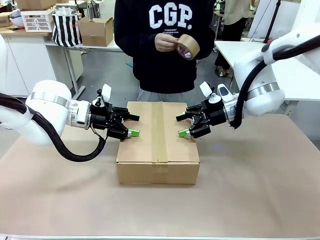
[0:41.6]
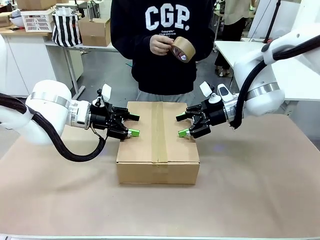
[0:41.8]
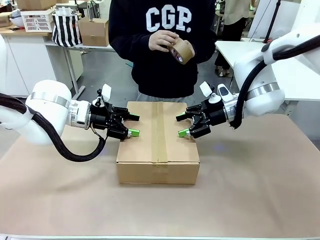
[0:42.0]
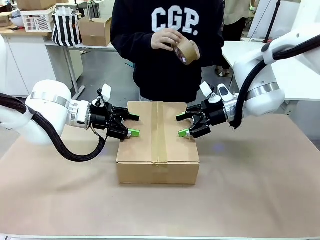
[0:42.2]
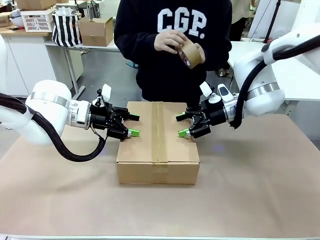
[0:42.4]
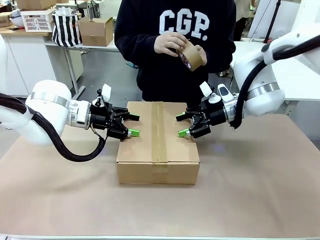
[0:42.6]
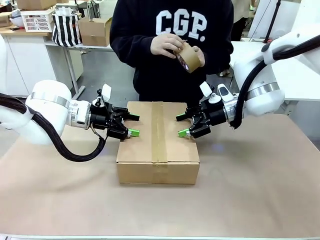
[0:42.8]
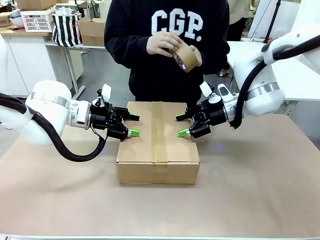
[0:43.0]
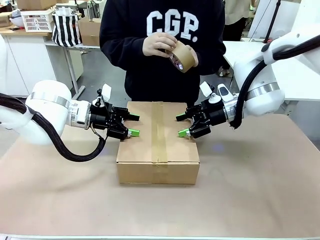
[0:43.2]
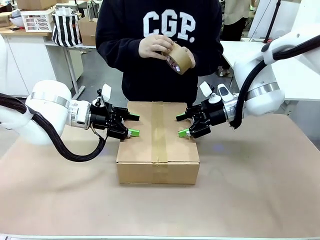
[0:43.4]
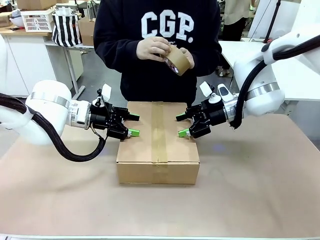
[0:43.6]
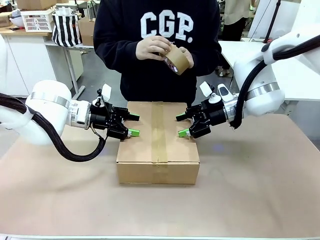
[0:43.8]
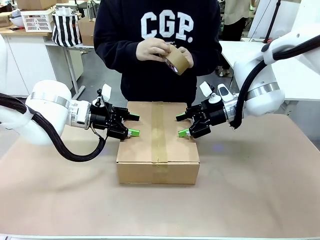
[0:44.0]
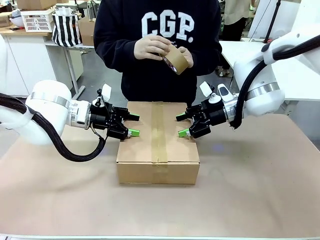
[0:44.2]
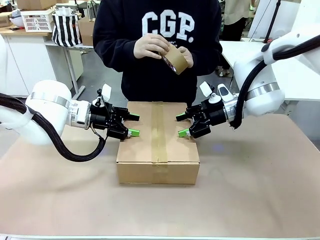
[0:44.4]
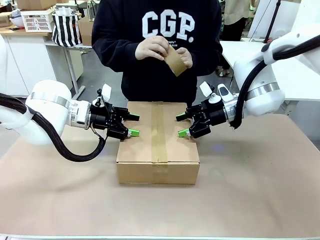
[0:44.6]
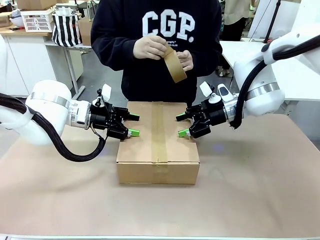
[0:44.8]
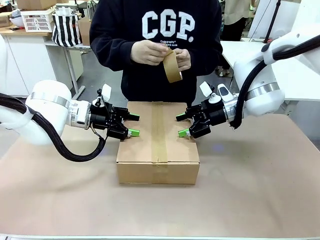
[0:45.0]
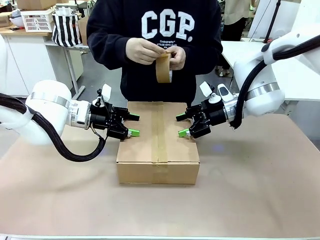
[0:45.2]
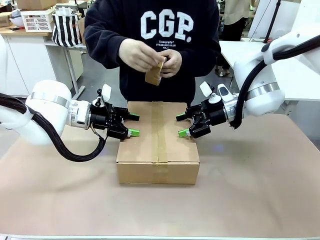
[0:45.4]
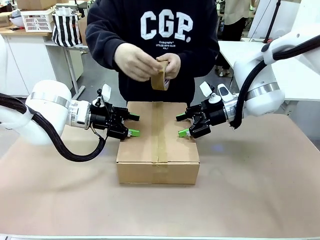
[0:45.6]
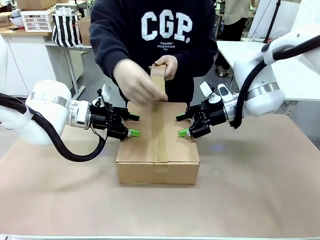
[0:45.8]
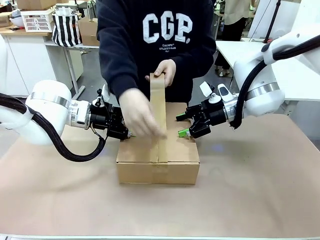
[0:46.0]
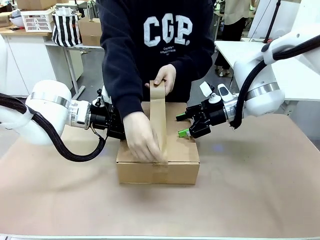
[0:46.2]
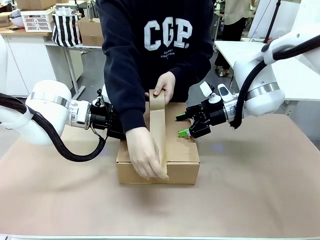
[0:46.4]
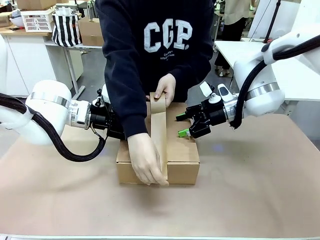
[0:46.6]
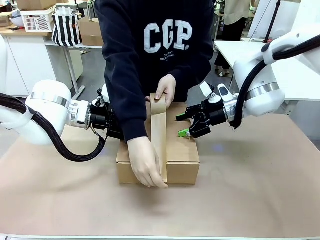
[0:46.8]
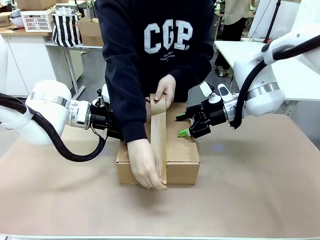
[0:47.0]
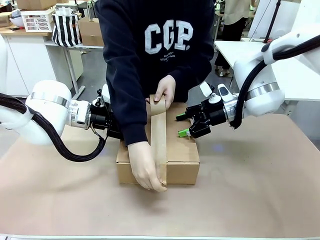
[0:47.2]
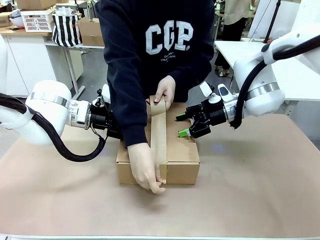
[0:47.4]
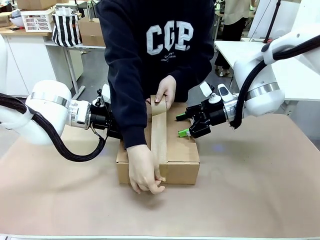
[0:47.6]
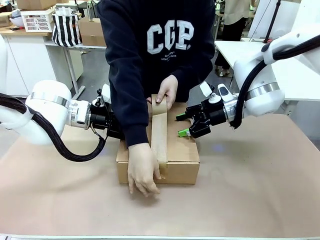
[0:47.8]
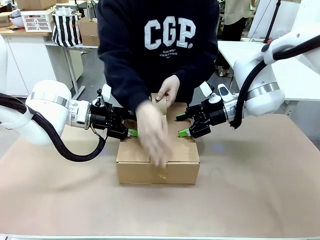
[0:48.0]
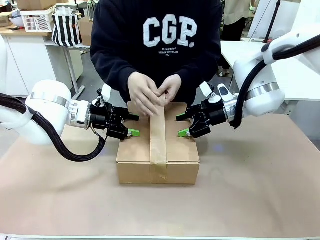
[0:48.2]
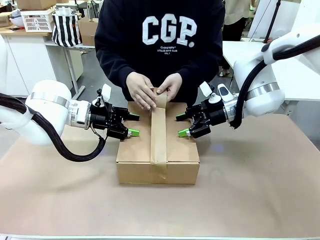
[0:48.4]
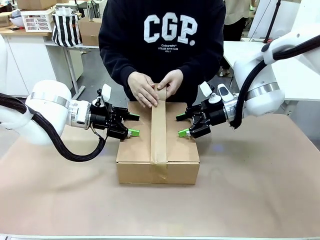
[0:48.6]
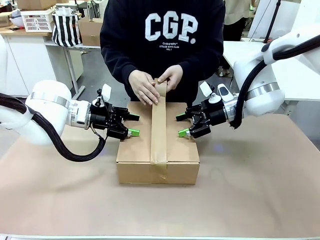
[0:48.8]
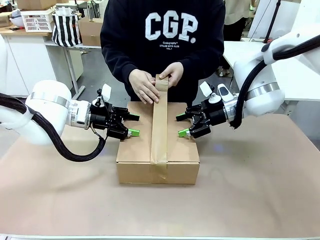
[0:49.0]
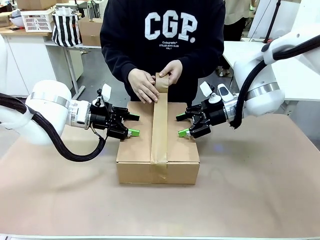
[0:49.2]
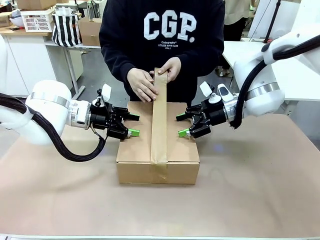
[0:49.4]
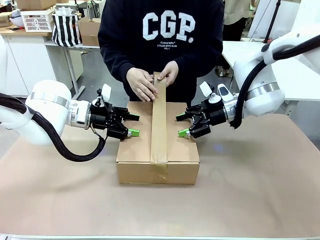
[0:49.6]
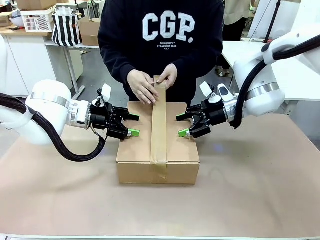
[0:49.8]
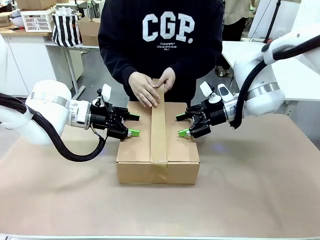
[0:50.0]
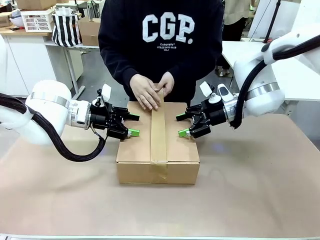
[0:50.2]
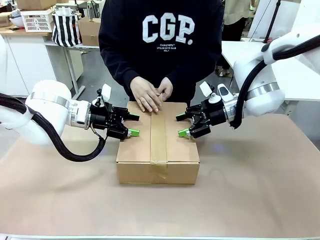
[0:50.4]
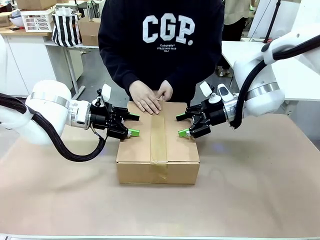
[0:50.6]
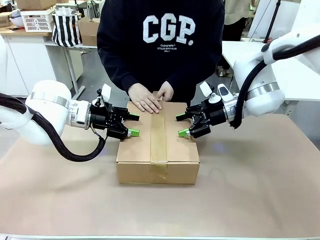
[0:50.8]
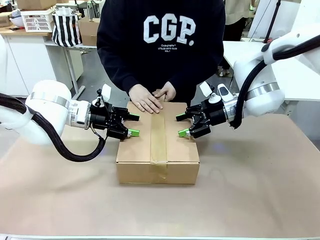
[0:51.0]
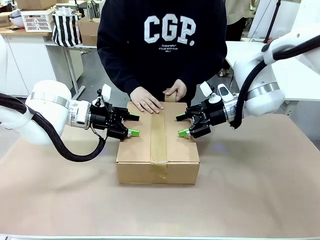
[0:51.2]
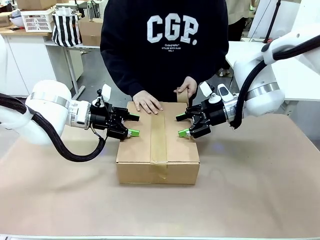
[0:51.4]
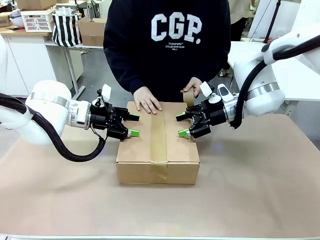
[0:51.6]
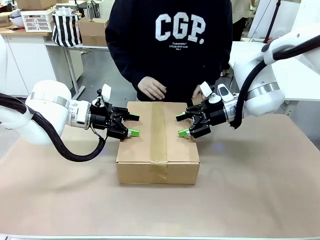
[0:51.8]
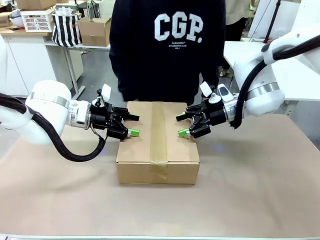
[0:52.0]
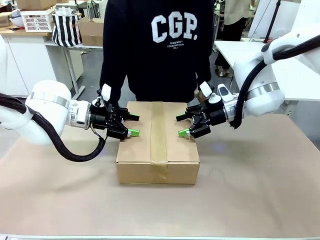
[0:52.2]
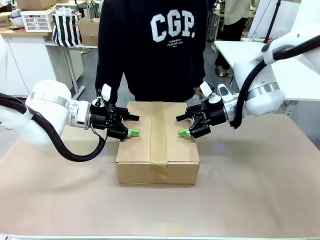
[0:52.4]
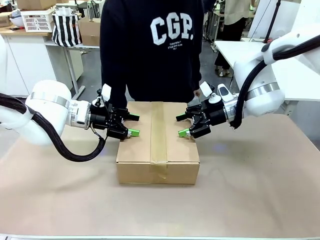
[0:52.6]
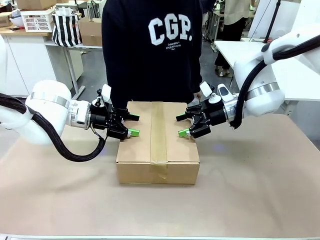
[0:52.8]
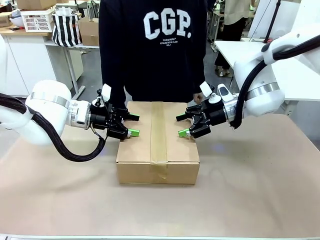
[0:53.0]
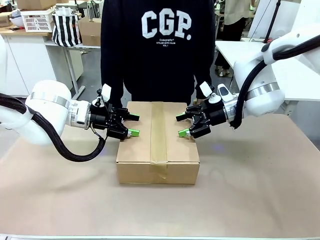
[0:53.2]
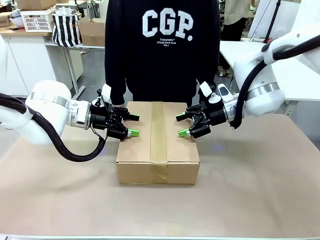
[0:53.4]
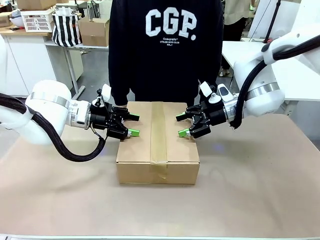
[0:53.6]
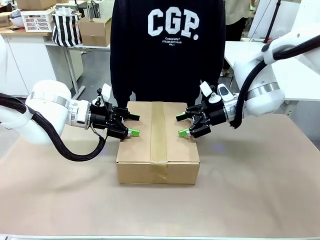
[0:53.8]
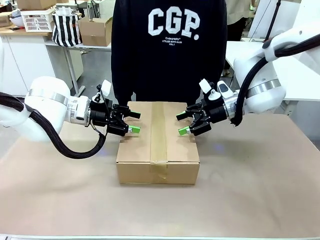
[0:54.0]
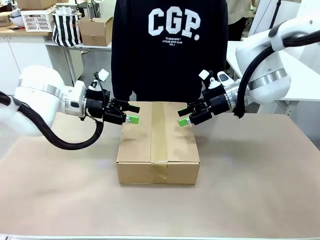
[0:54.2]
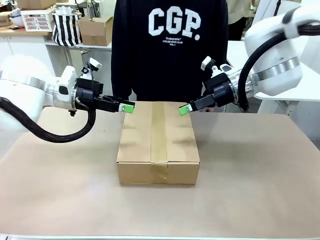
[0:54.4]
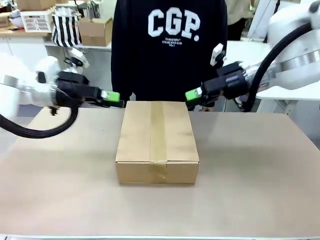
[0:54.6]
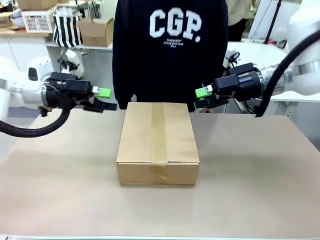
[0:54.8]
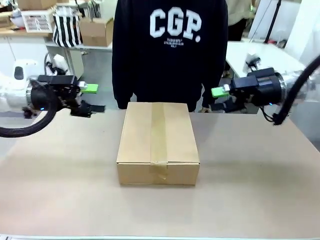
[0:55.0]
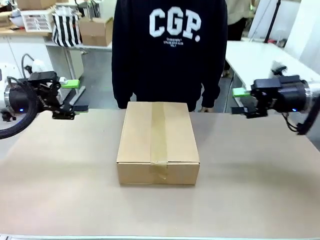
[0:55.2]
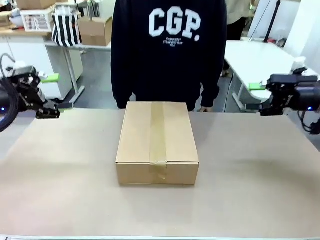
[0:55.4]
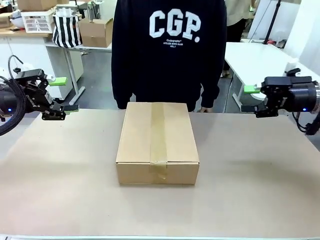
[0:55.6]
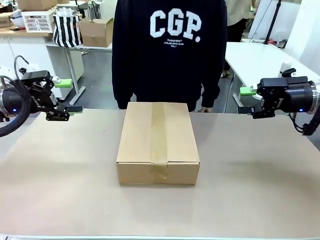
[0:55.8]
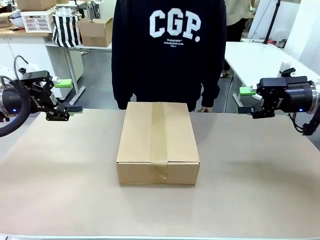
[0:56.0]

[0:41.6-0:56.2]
Task: Pack the gift set into the box.
Robot: Press and hold the closed box until the human finishes sealing it.
Person: The human picks up the paper tape from the human table and packs the box.
